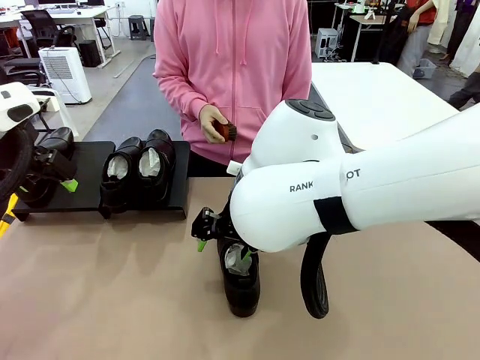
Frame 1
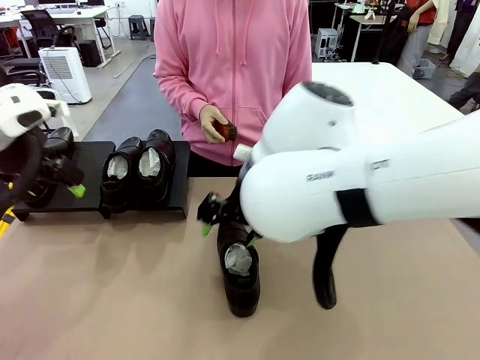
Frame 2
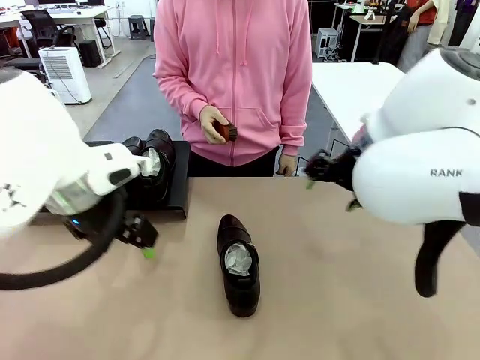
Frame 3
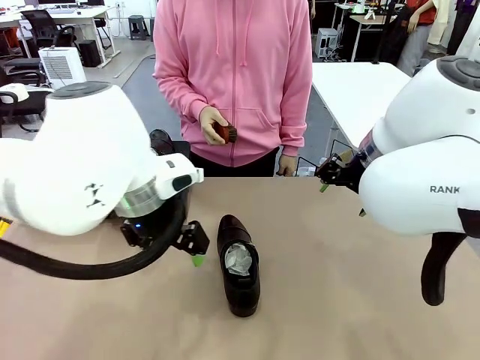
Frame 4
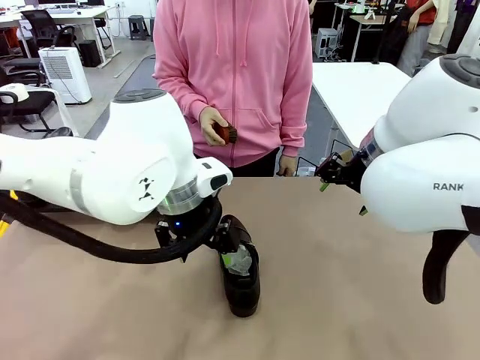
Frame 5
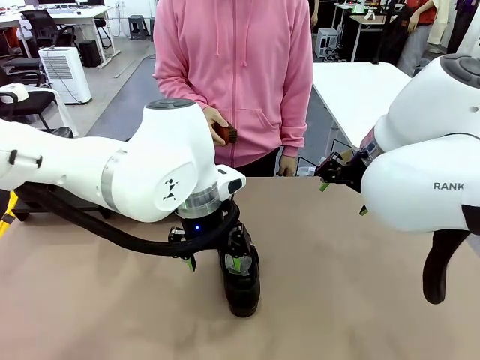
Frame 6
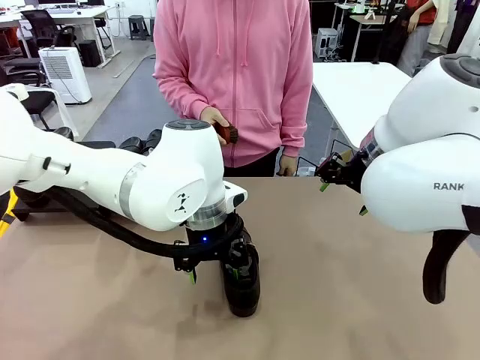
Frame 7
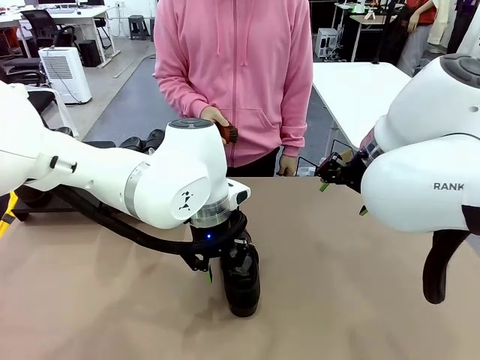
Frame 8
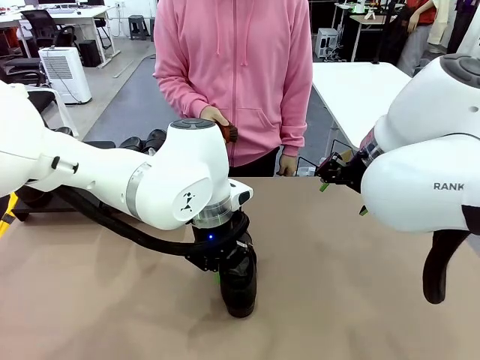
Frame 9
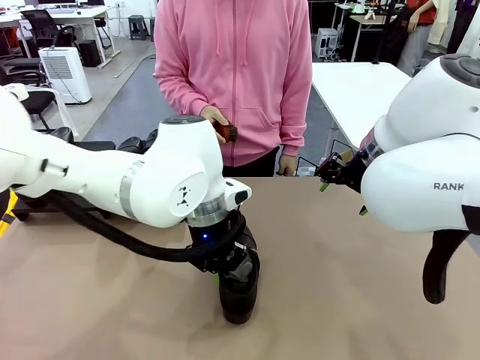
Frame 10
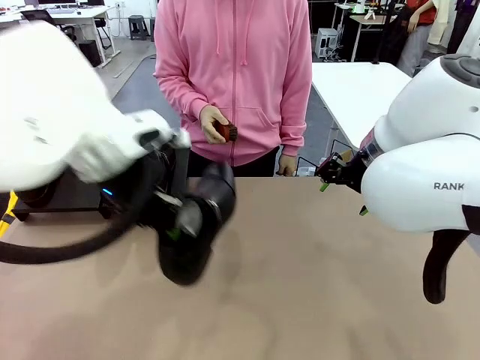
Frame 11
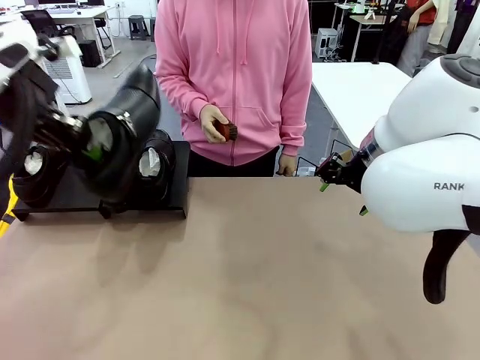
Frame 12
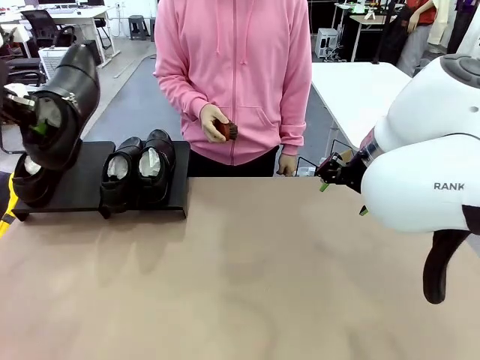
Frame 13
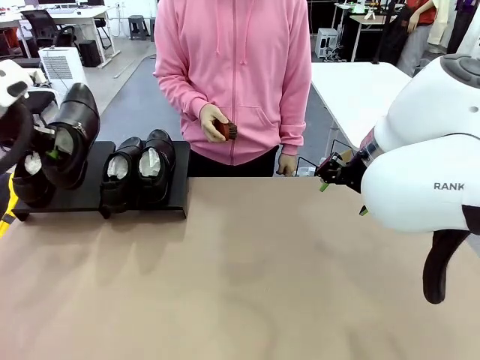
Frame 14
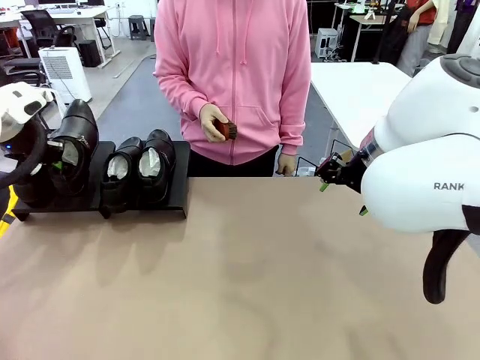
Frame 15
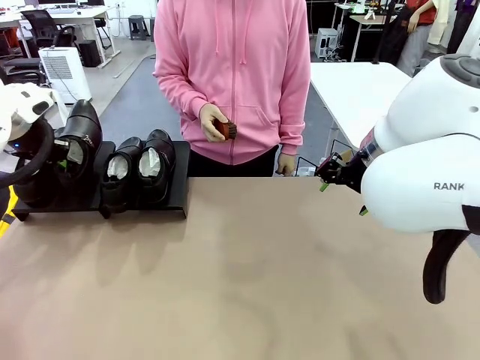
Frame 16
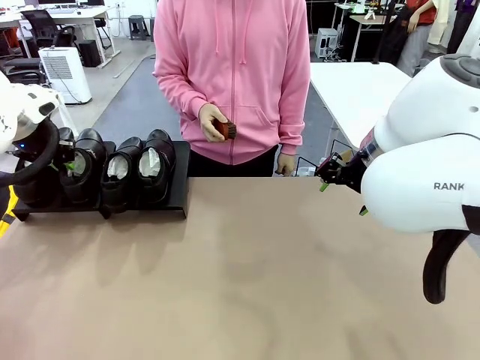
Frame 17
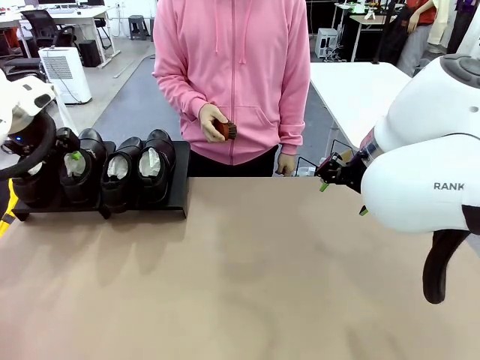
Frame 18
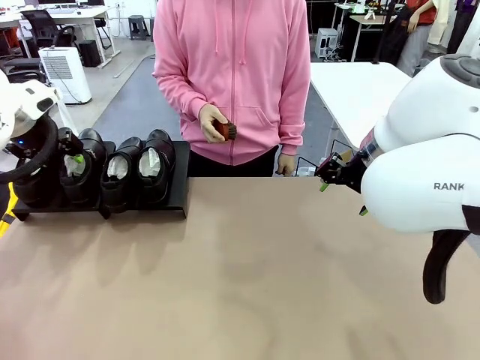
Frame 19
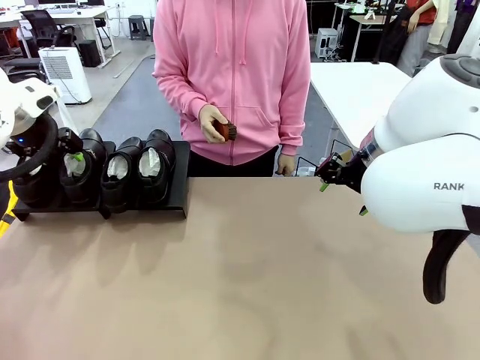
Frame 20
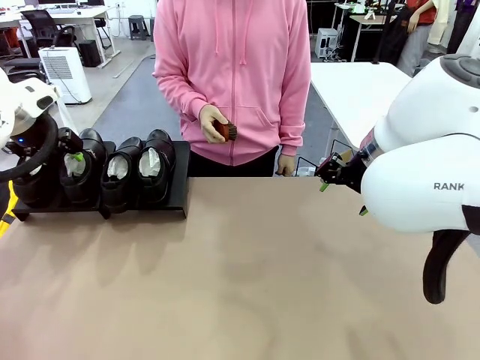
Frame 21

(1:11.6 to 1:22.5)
Task: Organize the shoes by placing them on the stand.
Robot: Place the Shoe from the middle of the table onto the Shoes Stand.

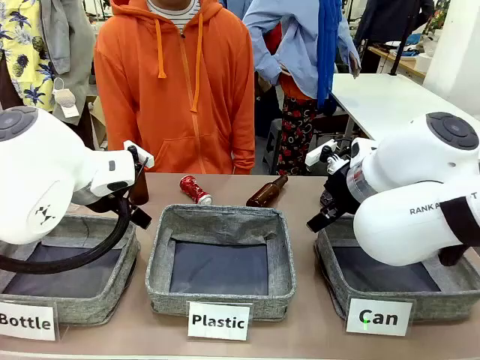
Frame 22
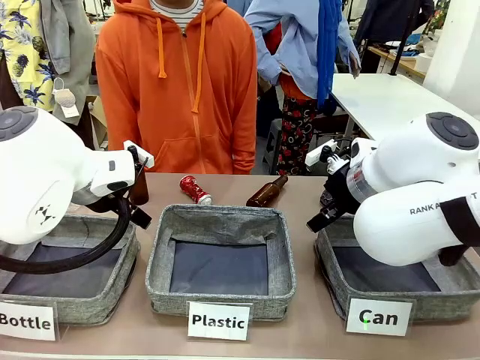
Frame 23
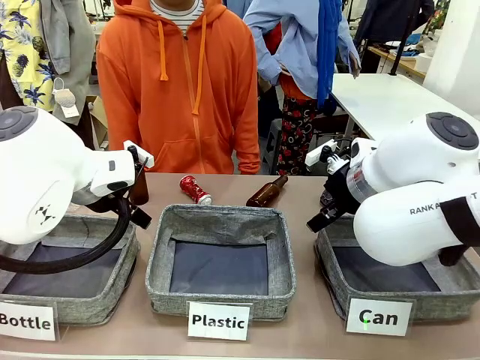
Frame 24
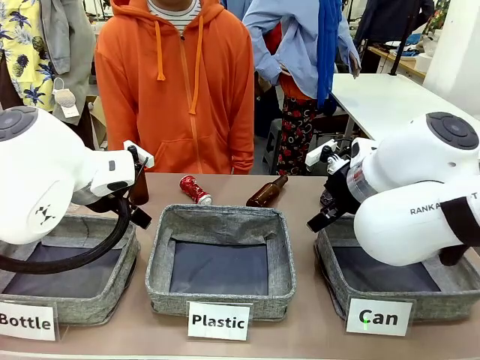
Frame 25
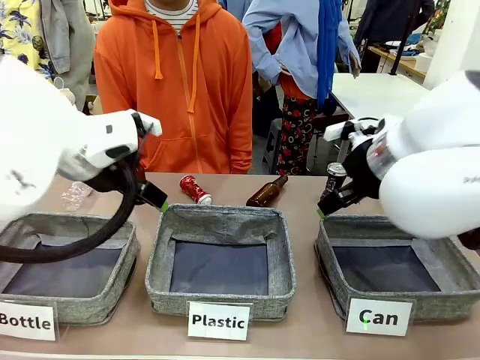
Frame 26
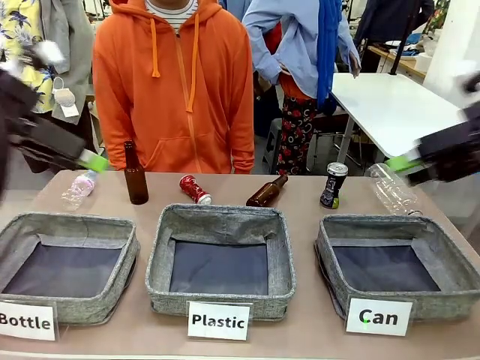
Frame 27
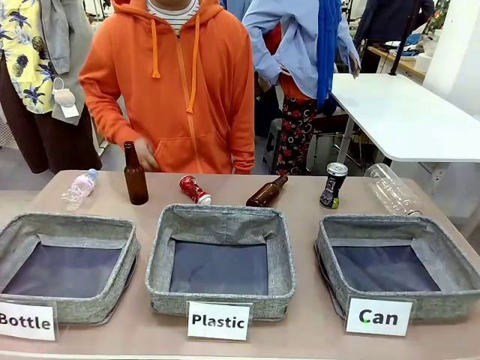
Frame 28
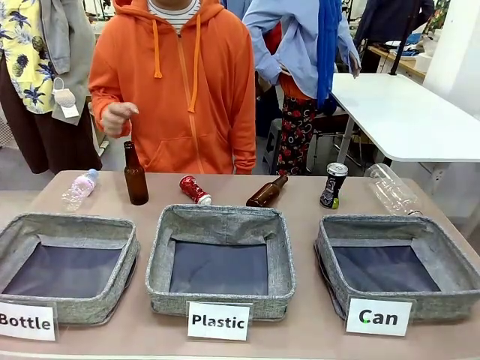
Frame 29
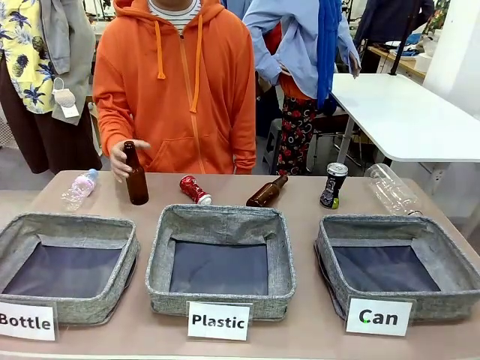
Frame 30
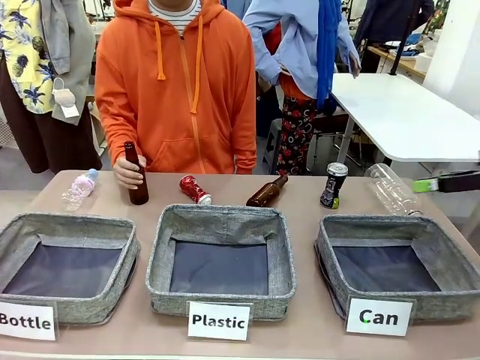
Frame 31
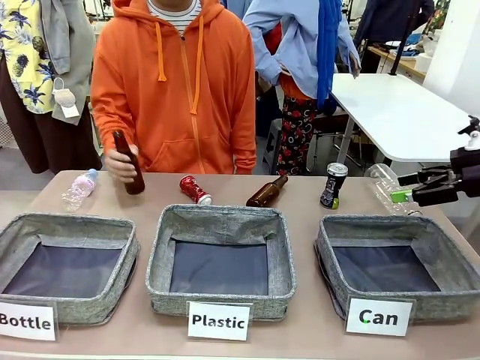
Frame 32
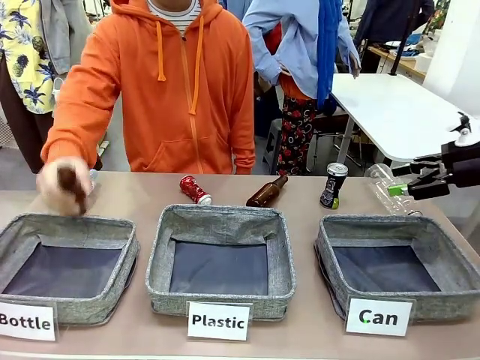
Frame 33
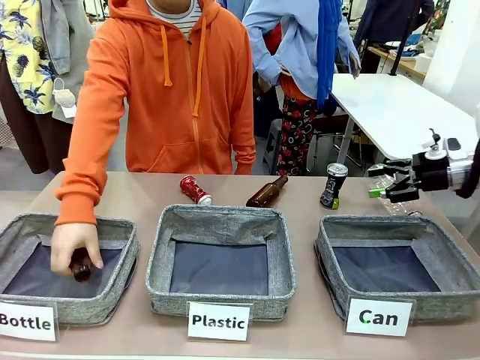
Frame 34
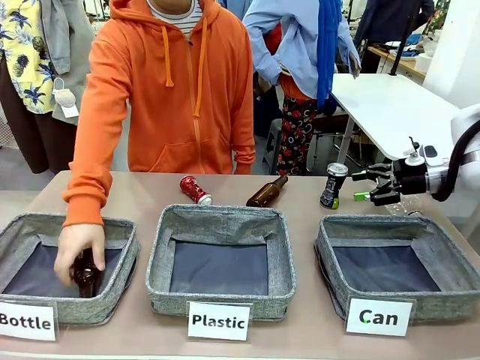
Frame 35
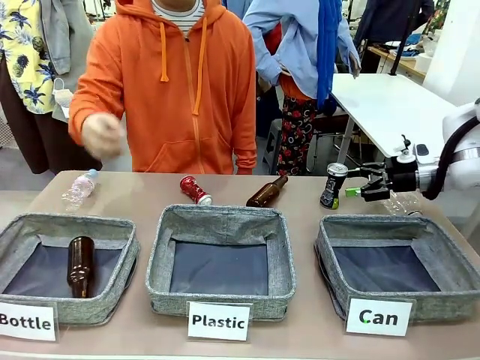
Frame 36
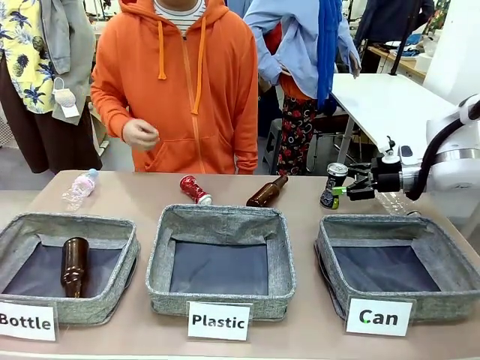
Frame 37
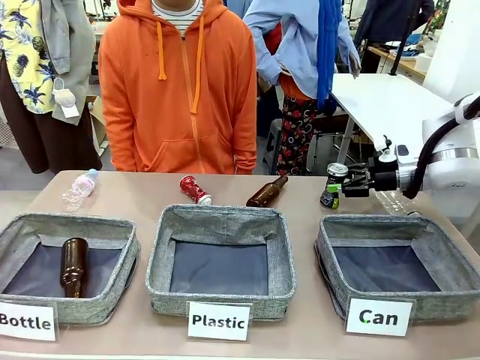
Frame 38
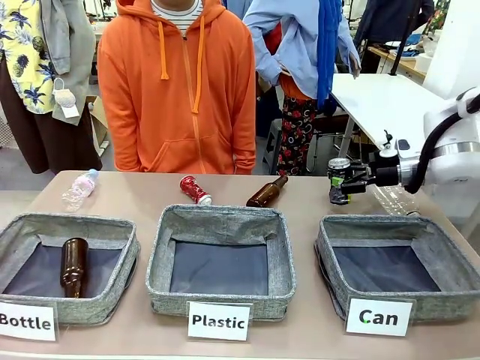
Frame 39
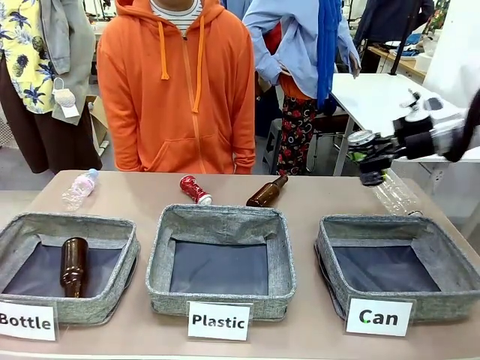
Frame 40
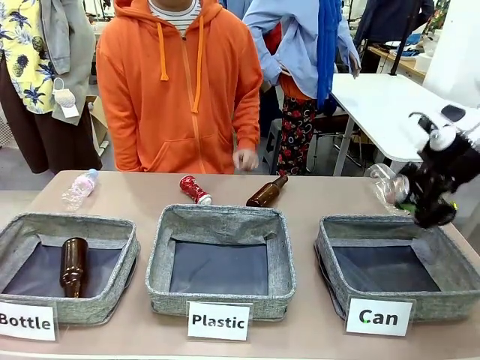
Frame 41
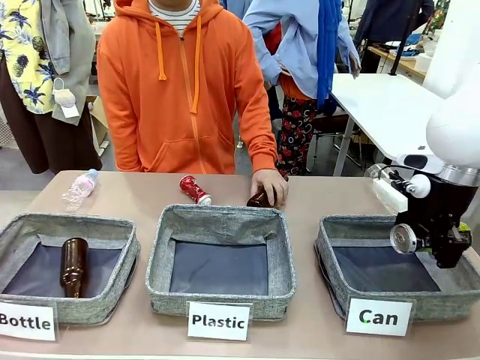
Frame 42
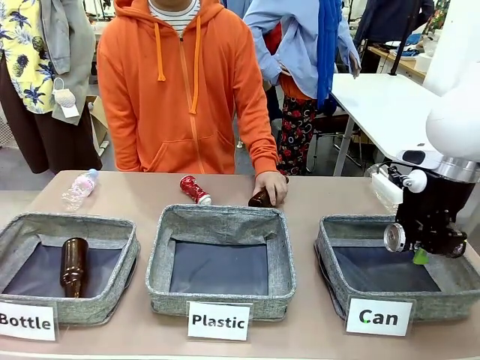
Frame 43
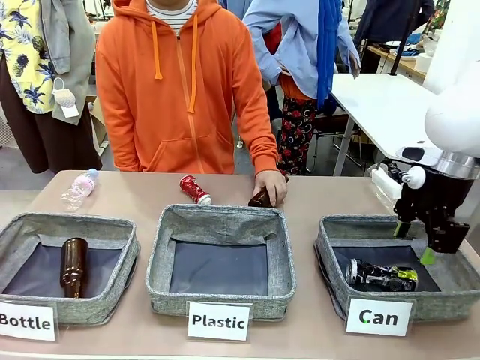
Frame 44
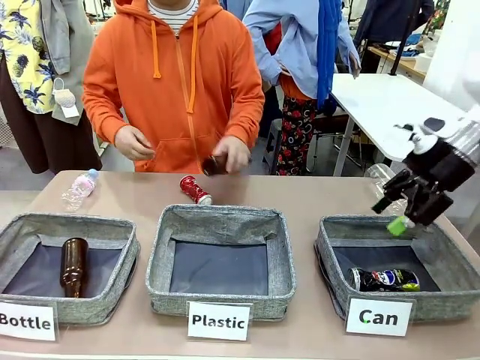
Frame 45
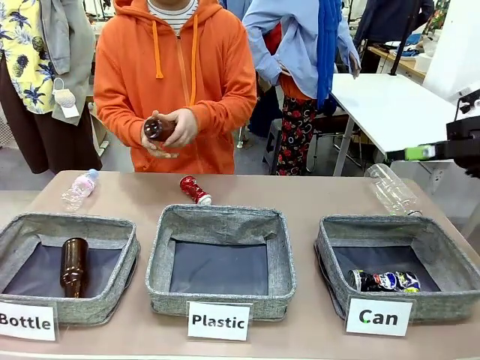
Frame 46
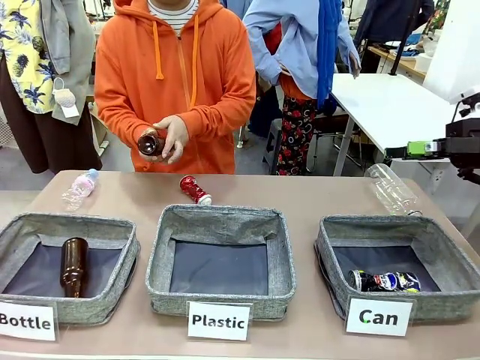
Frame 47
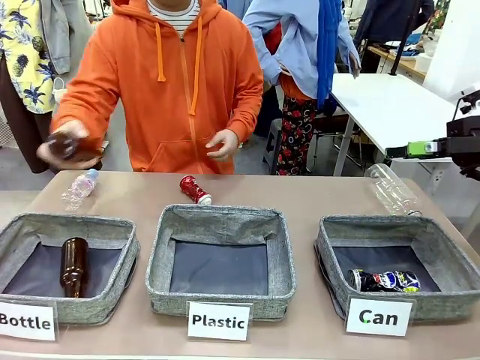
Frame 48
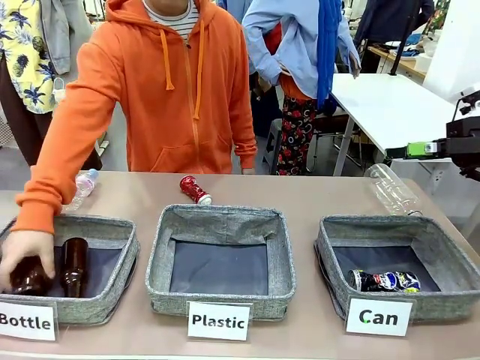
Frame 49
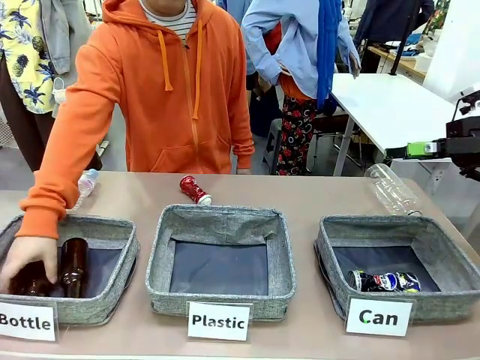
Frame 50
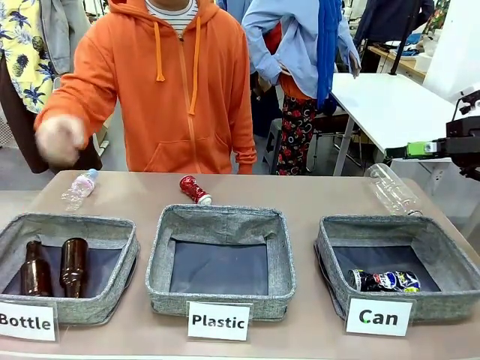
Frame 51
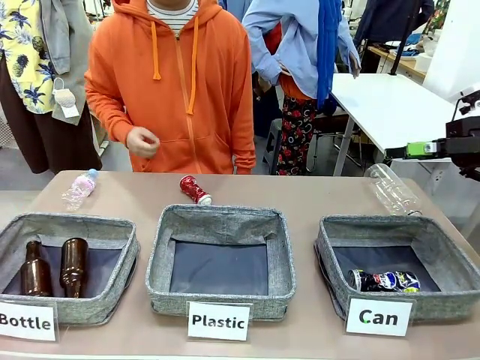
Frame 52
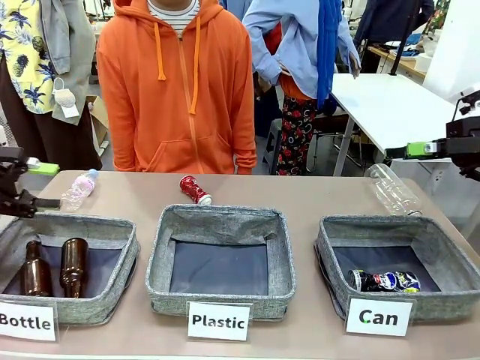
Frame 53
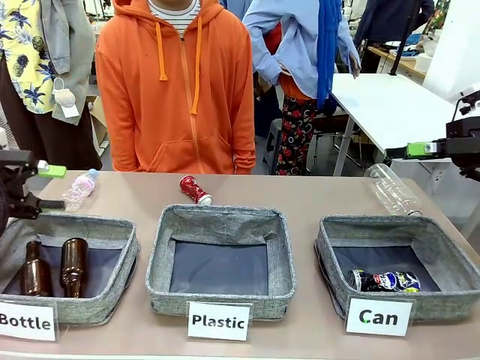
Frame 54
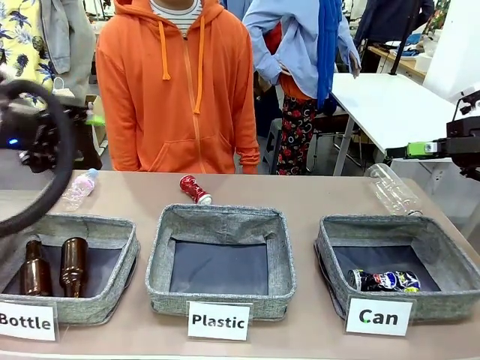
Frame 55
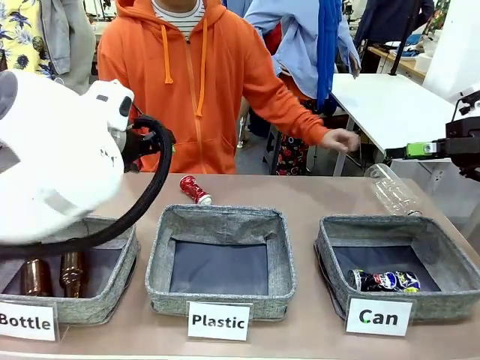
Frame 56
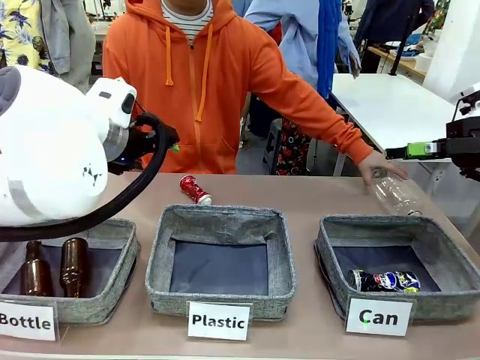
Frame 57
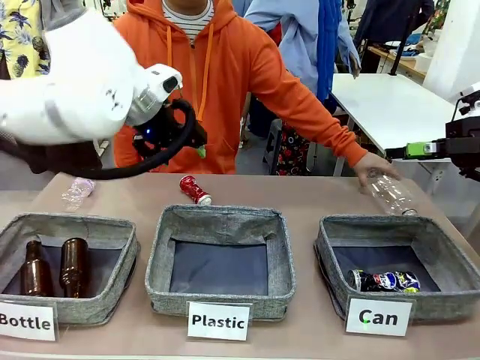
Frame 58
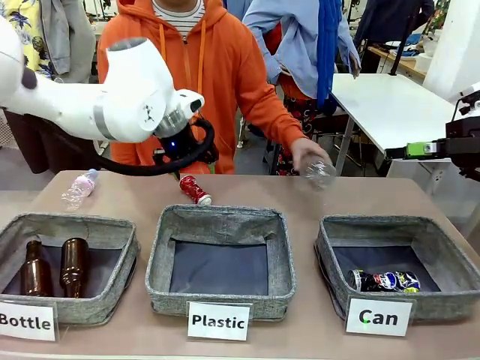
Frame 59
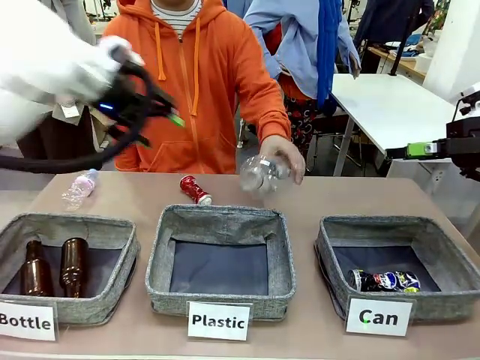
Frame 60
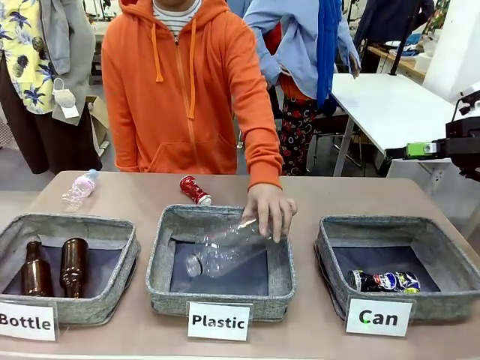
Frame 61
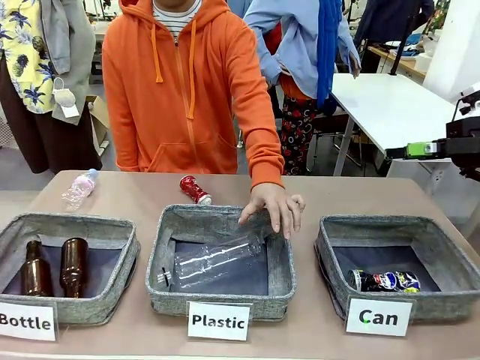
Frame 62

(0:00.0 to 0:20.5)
Task: Sort the can waste into the basket.
Robot: Pick up the can waste from the table and place it in the right Fabric basket.
